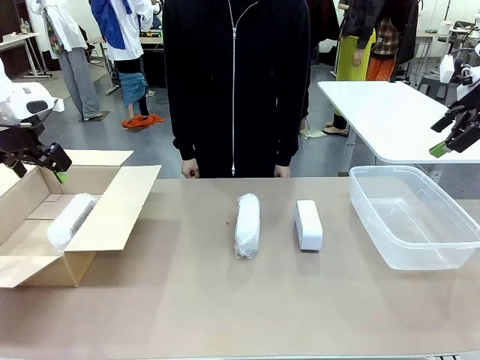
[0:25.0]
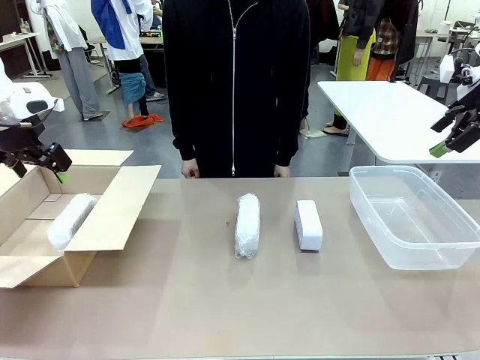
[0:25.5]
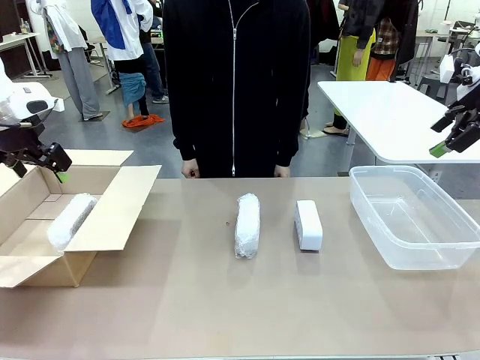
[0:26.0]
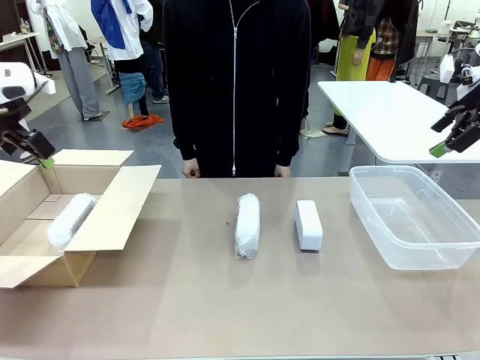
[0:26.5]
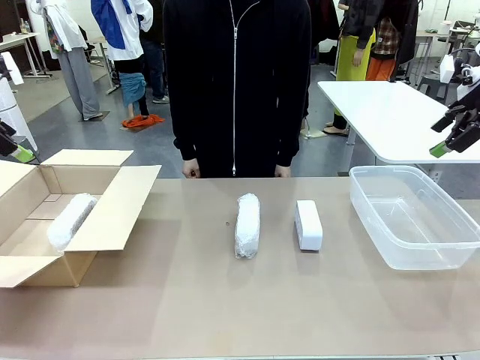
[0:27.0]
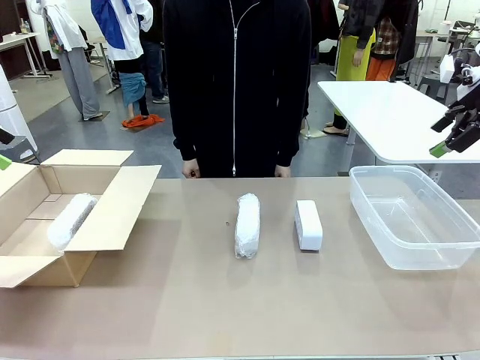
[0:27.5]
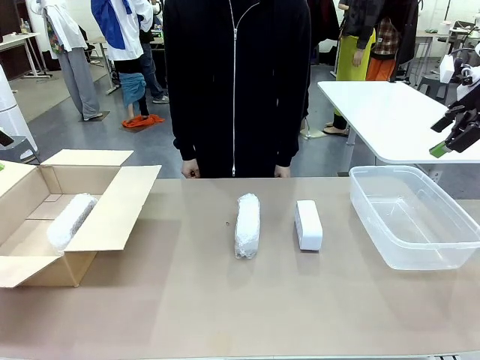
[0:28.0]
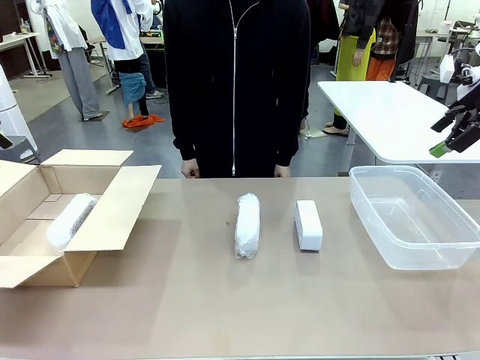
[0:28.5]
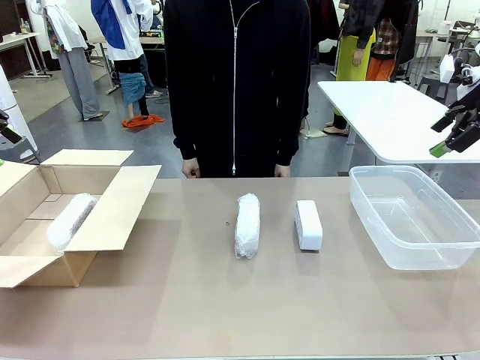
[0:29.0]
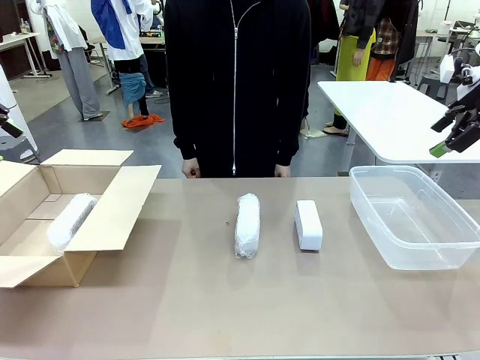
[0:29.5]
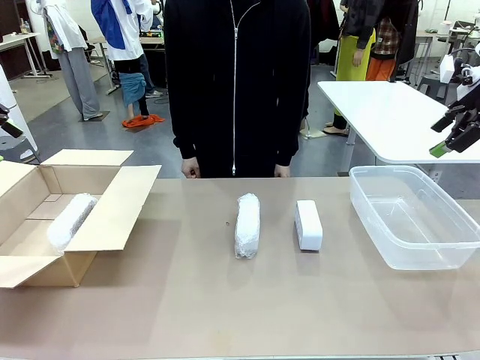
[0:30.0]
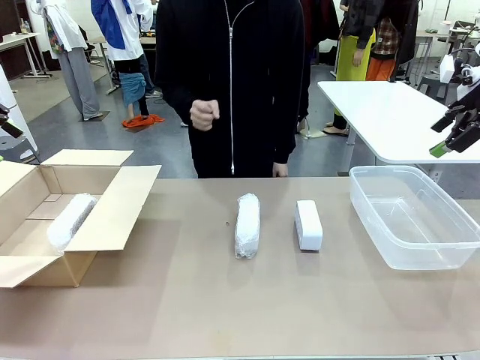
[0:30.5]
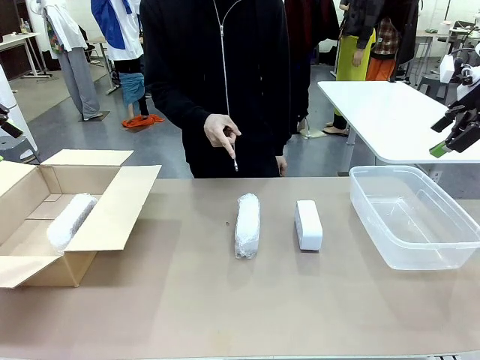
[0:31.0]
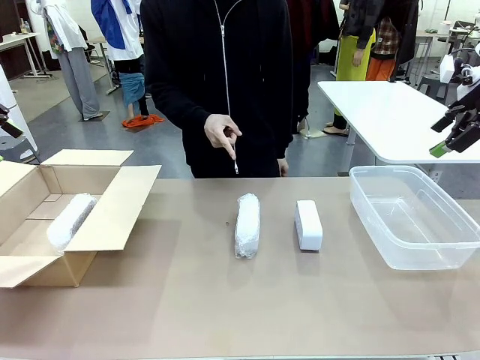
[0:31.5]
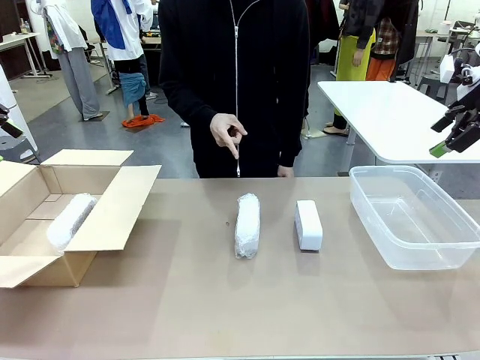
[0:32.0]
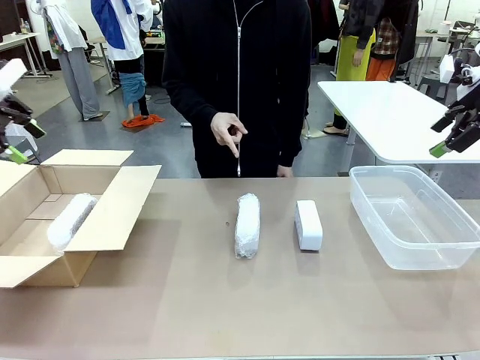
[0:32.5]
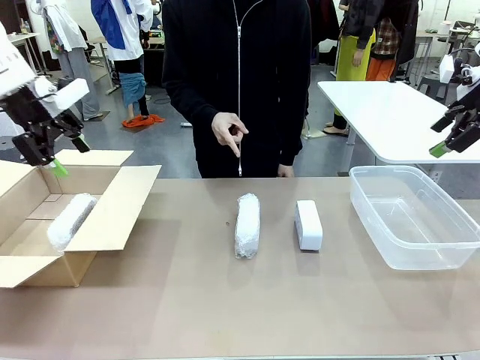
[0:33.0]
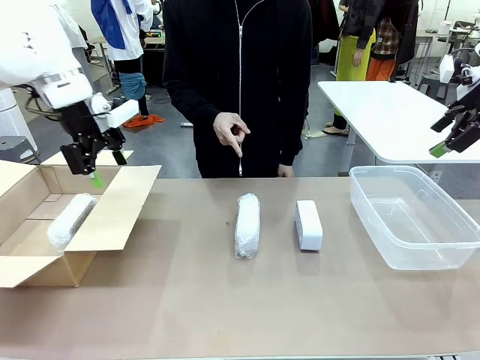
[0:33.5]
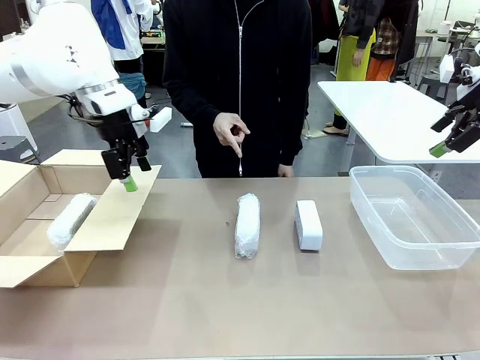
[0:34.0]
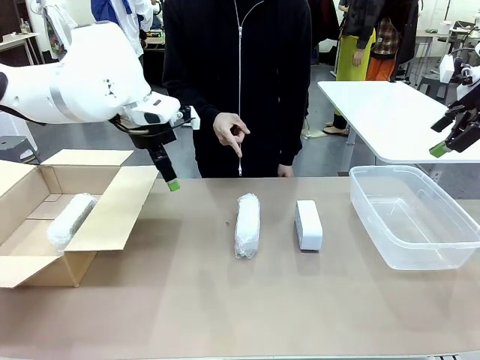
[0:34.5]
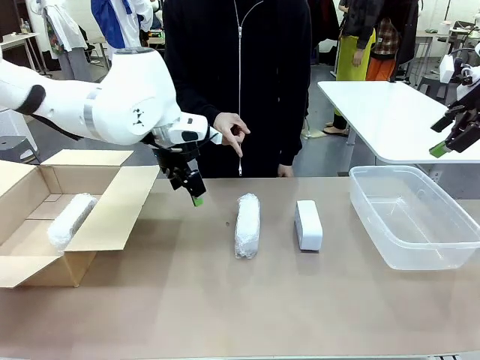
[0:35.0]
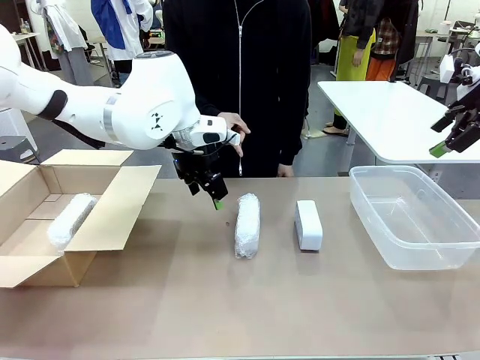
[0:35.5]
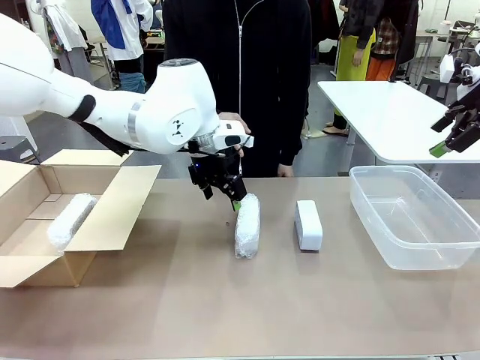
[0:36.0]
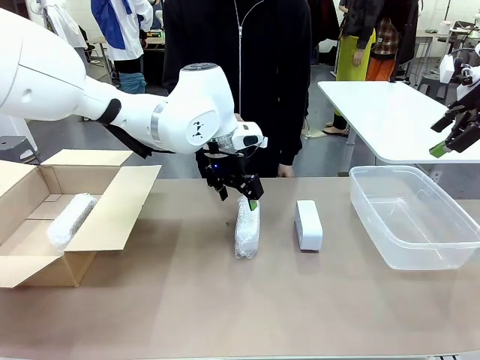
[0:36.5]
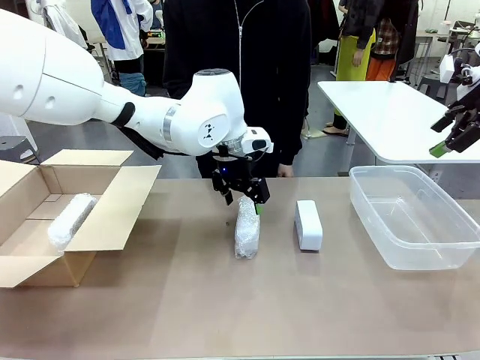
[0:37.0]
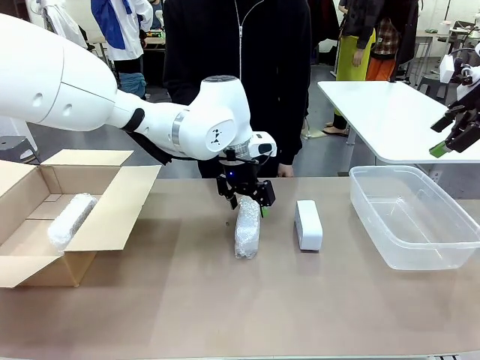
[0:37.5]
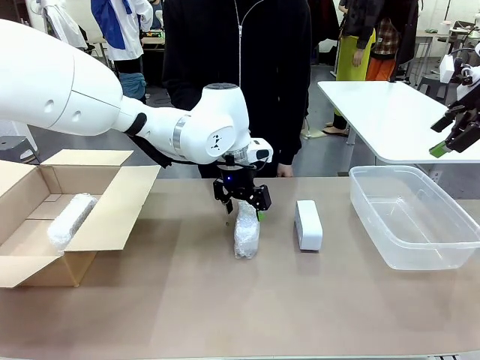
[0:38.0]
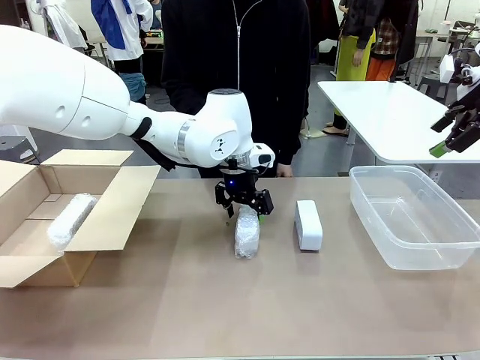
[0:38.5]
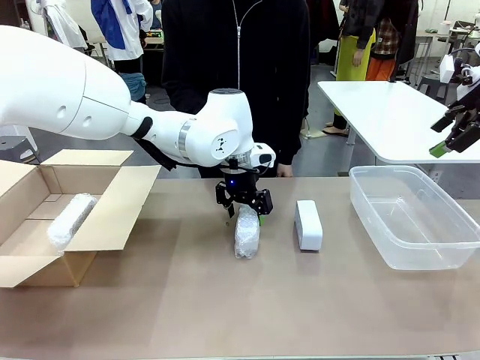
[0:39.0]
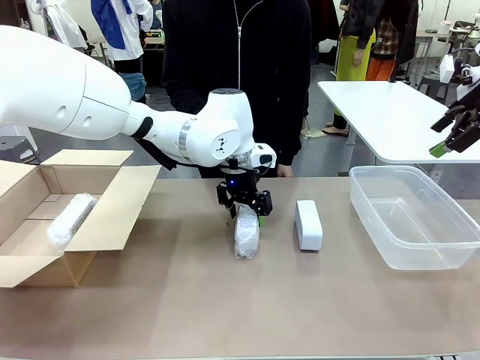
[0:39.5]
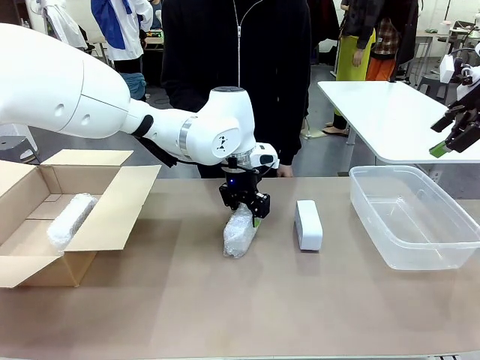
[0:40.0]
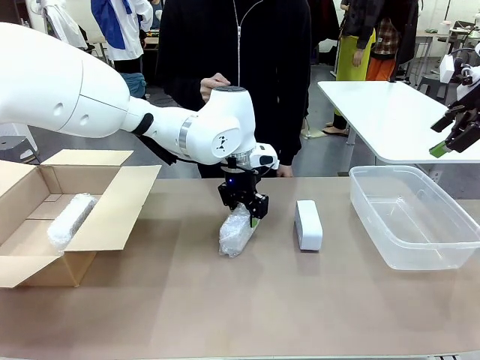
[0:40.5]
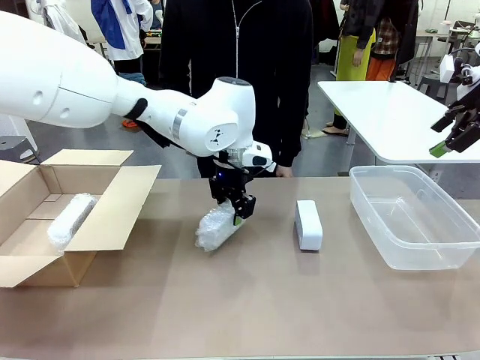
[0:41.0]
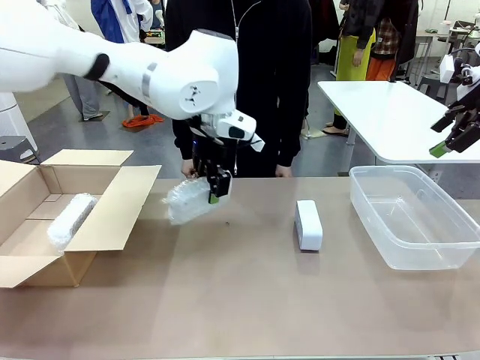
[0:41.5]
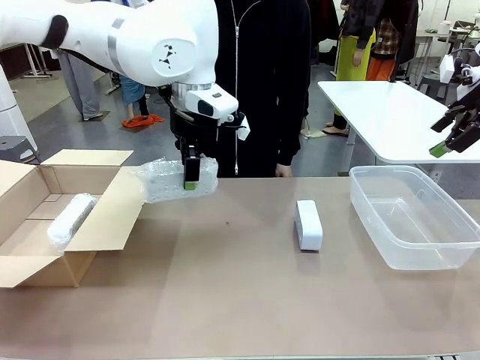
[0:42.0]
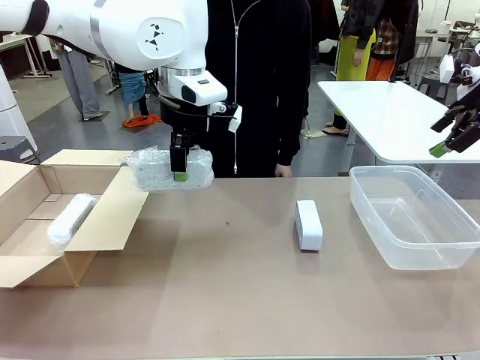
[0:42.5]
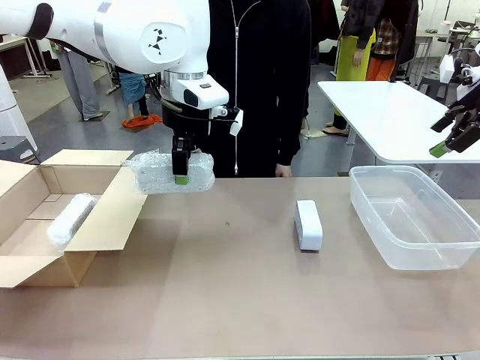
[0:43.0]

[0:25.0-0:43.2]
Task: Separate and place wrapped and unwrapped clocks.
Robot: Pick up the Digital clock indicated by the person.

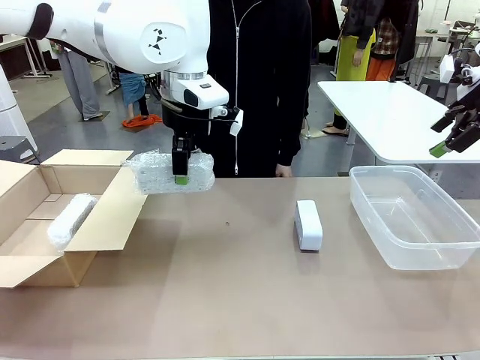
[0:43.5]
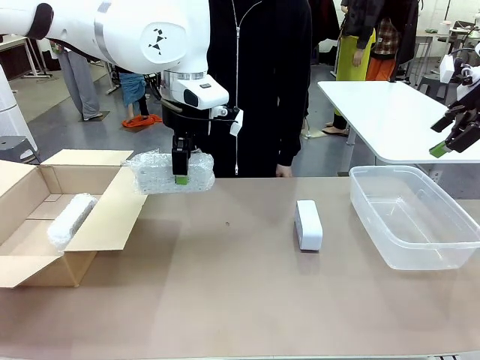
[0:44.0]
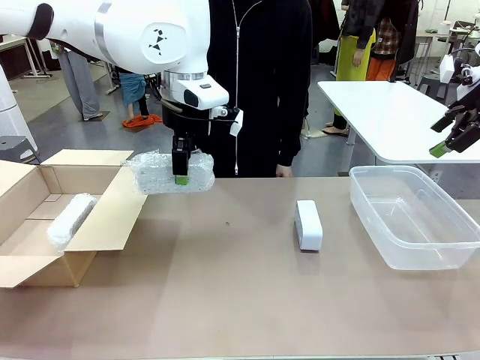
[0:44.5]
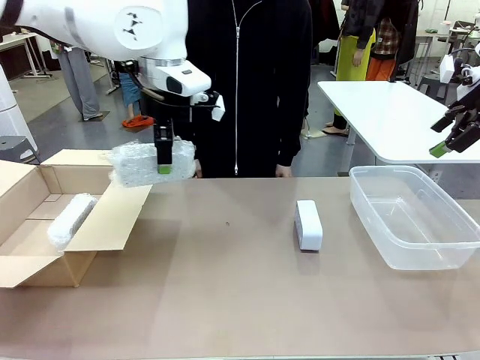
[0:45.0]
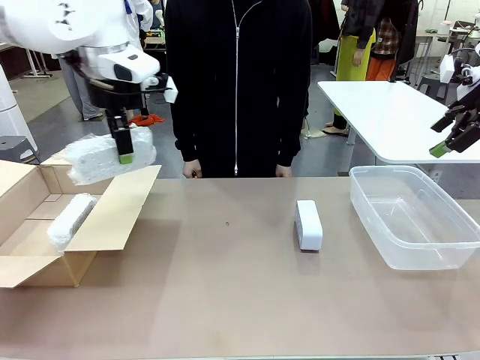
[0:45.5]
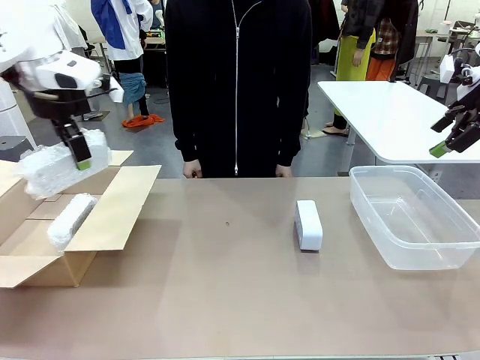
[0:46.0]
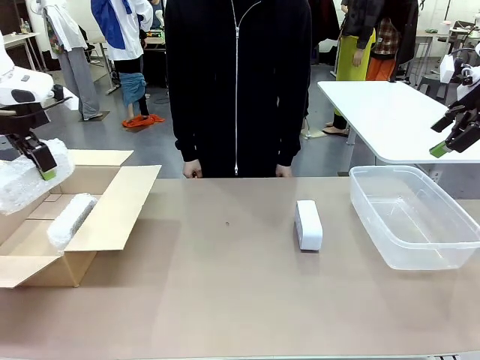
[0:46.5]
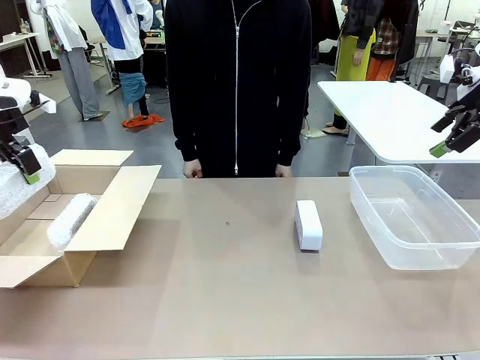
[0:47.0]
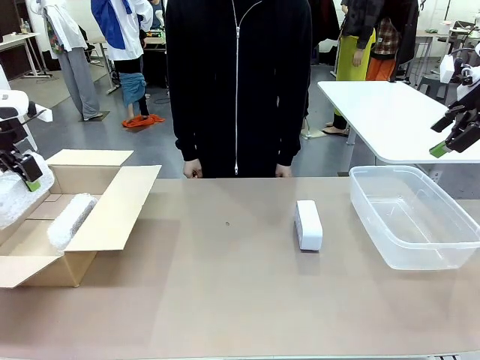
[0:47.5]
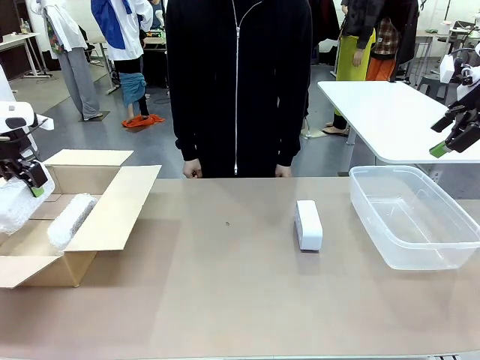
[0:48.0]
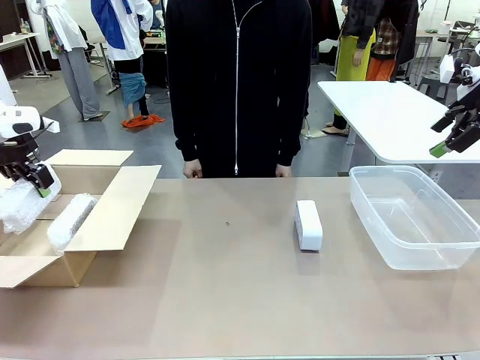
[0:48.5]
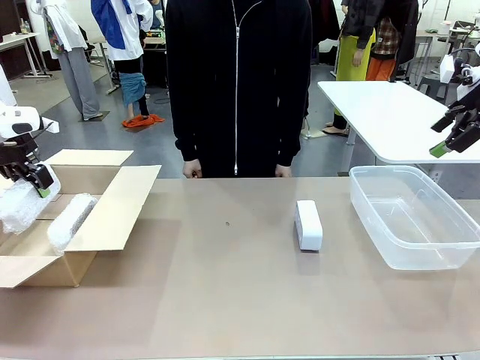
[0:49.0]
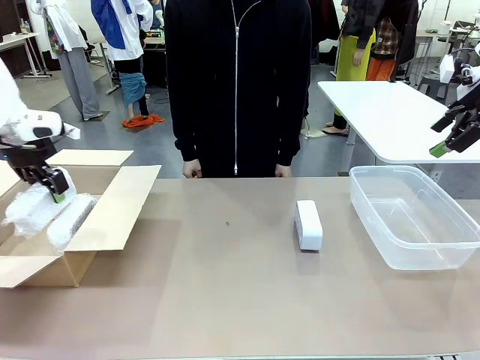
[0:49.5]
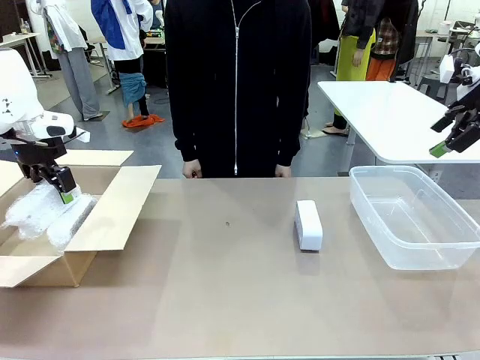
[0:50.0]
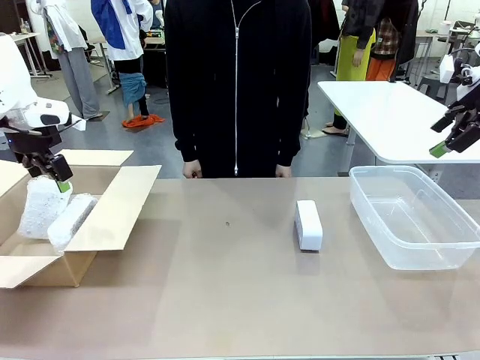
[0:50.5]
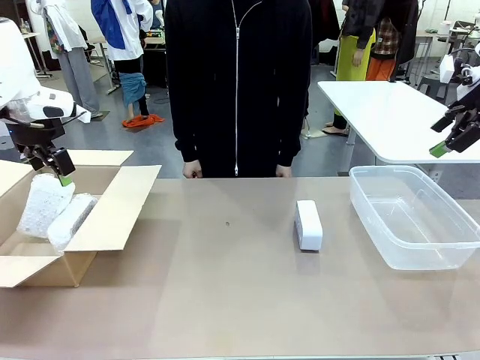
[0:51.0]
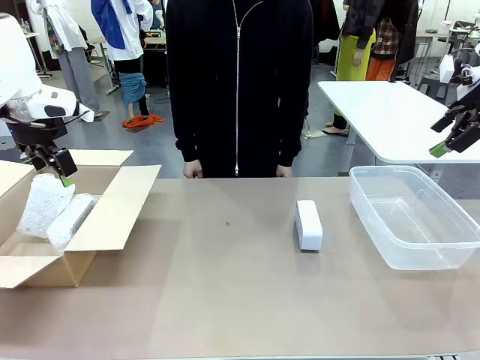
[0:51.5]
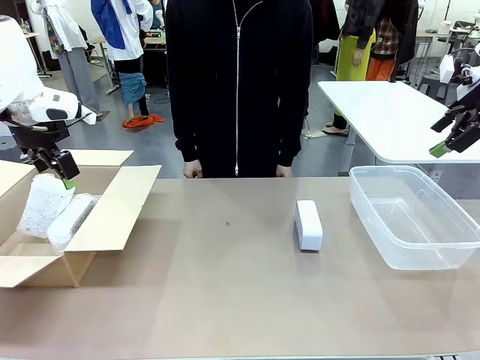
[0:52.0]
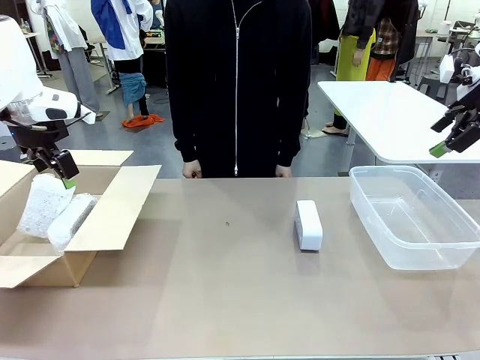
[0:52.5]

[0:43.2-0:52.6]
Robot: If the picked Digital clock is wrapped, place it in the Package Box ; if not, place it in the Organizing box.
